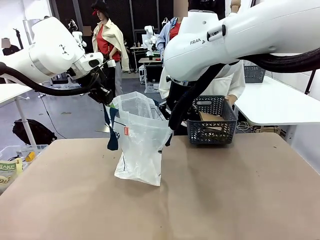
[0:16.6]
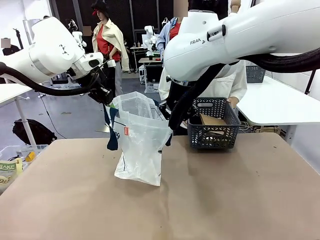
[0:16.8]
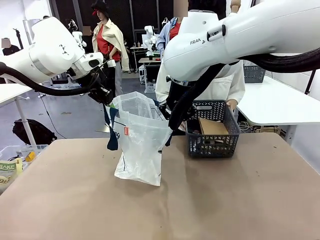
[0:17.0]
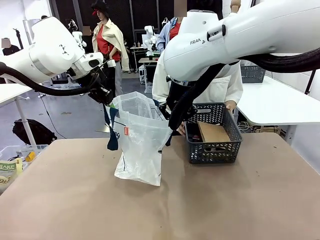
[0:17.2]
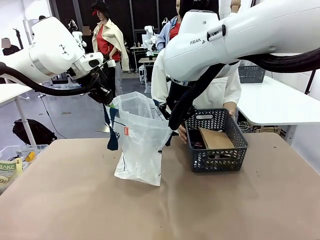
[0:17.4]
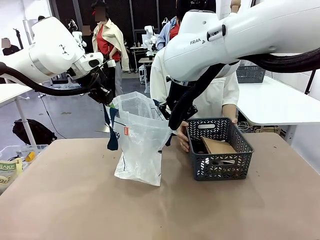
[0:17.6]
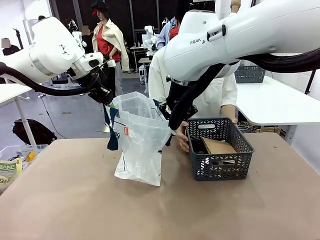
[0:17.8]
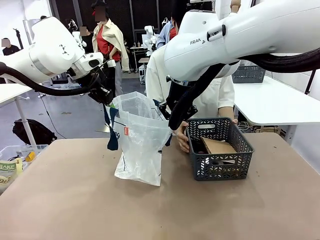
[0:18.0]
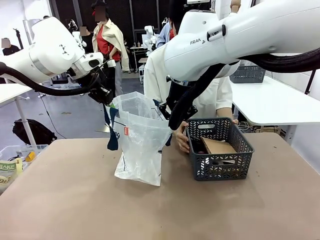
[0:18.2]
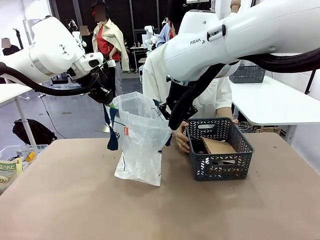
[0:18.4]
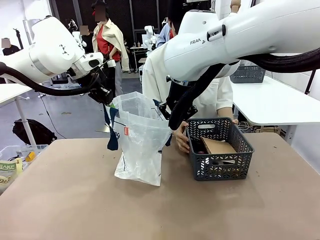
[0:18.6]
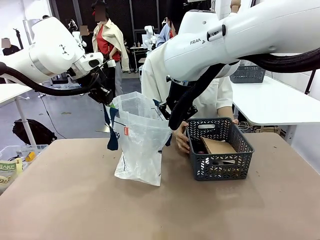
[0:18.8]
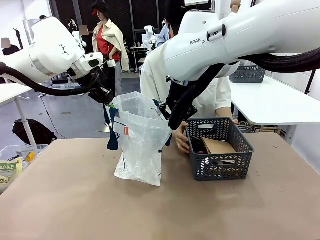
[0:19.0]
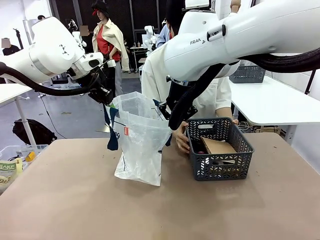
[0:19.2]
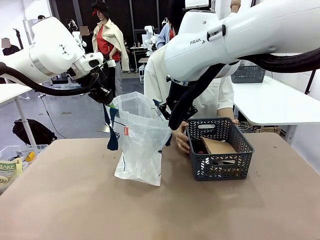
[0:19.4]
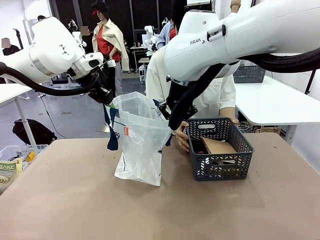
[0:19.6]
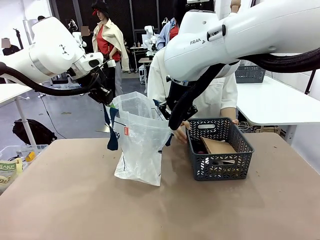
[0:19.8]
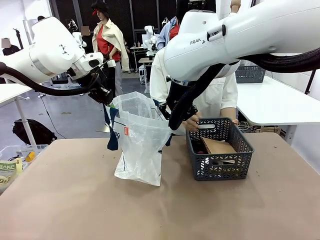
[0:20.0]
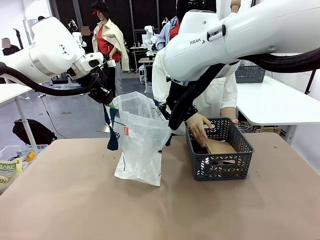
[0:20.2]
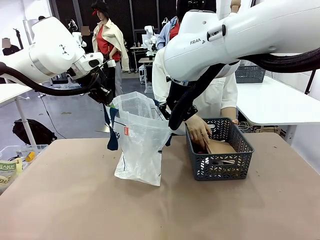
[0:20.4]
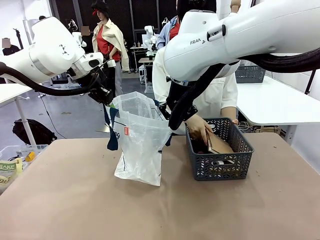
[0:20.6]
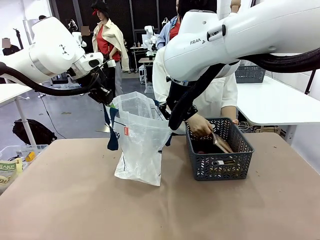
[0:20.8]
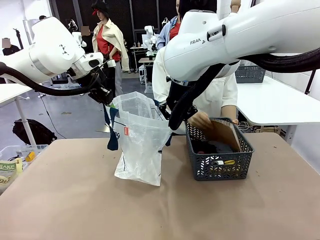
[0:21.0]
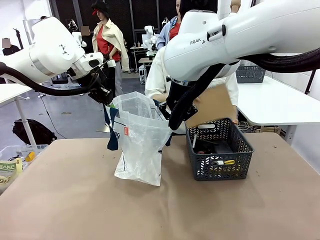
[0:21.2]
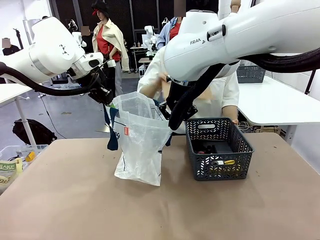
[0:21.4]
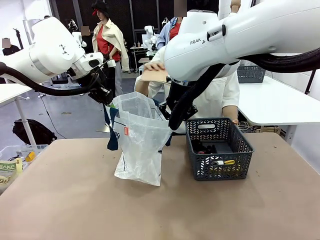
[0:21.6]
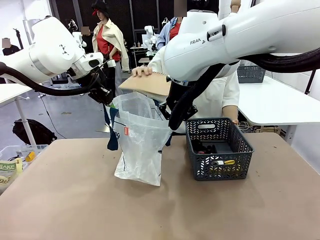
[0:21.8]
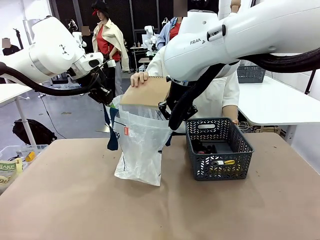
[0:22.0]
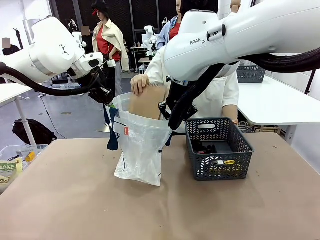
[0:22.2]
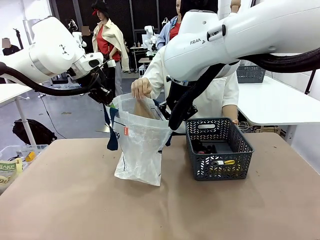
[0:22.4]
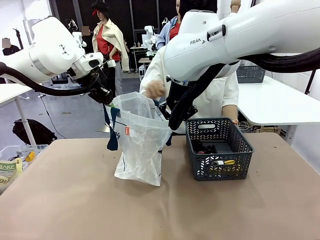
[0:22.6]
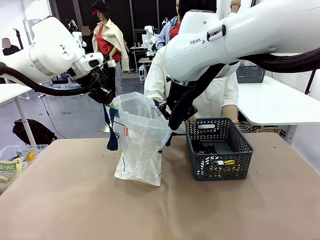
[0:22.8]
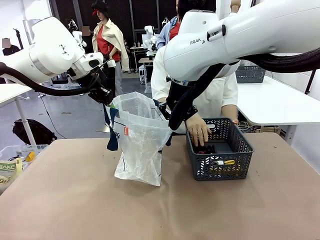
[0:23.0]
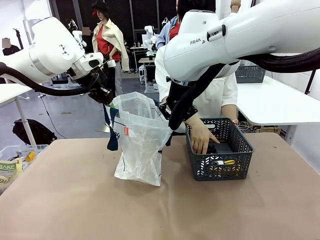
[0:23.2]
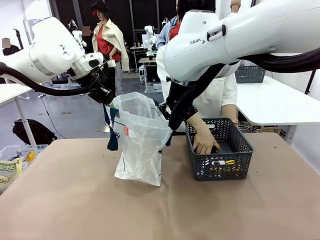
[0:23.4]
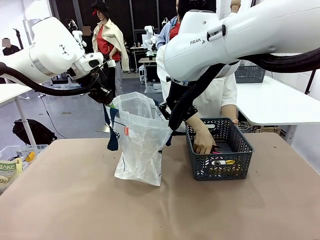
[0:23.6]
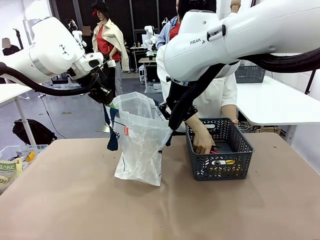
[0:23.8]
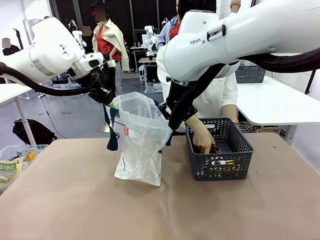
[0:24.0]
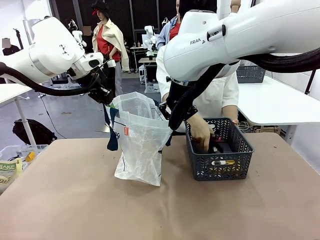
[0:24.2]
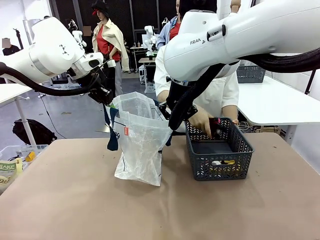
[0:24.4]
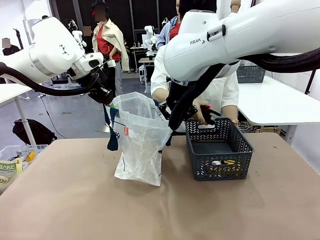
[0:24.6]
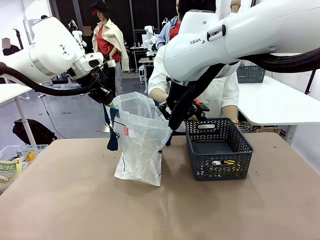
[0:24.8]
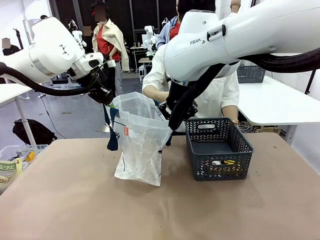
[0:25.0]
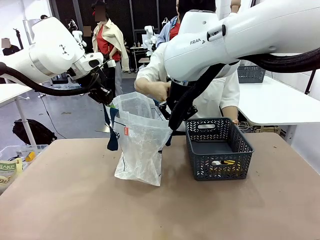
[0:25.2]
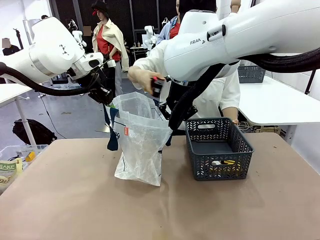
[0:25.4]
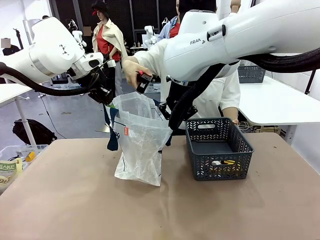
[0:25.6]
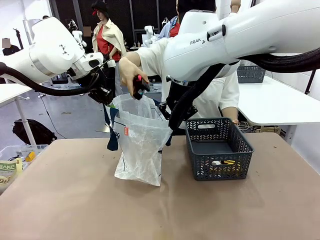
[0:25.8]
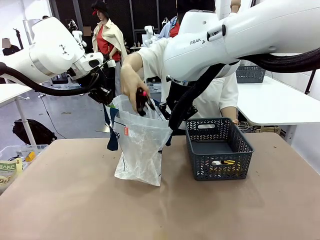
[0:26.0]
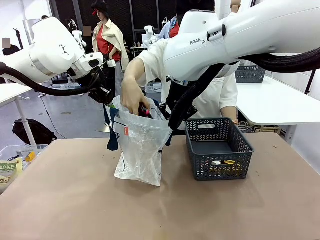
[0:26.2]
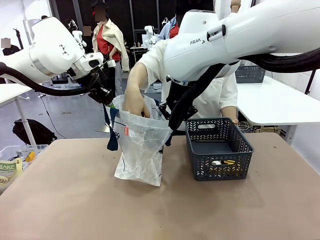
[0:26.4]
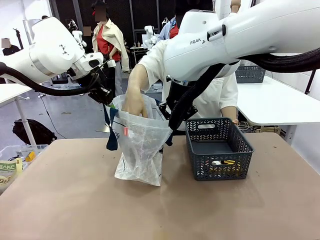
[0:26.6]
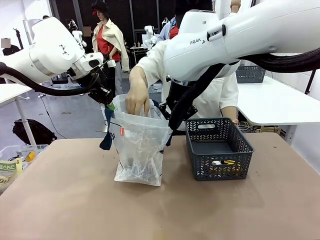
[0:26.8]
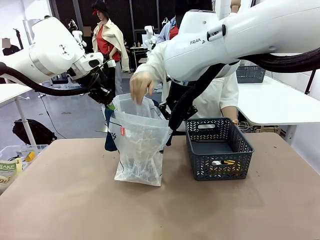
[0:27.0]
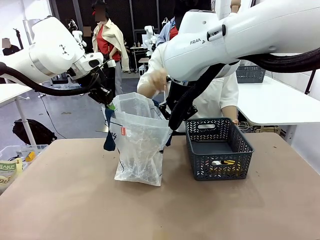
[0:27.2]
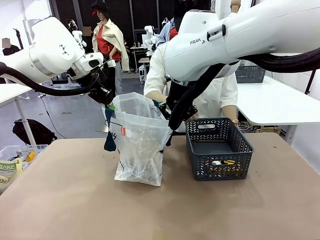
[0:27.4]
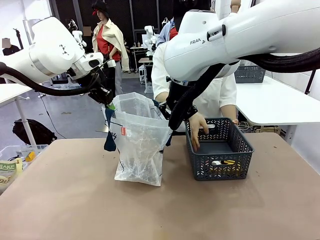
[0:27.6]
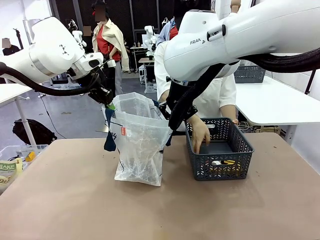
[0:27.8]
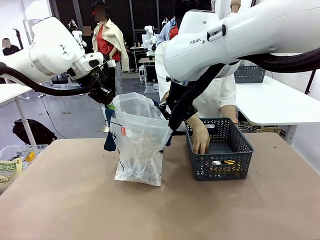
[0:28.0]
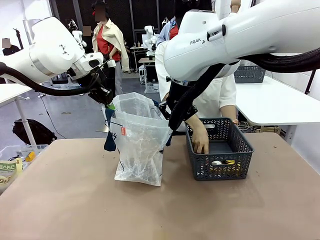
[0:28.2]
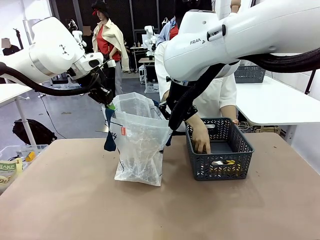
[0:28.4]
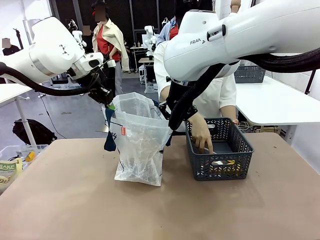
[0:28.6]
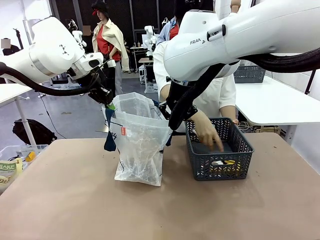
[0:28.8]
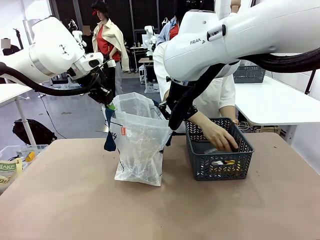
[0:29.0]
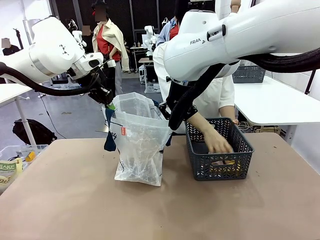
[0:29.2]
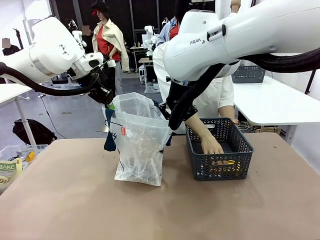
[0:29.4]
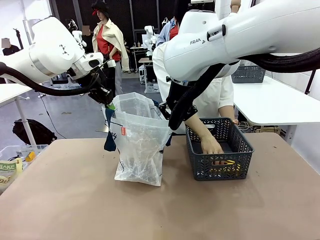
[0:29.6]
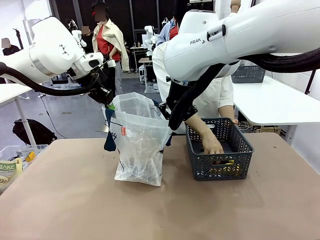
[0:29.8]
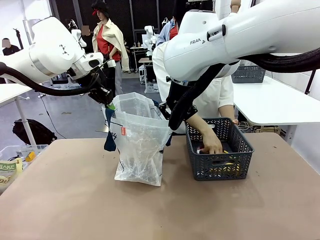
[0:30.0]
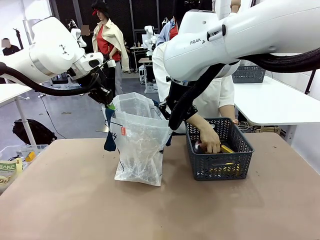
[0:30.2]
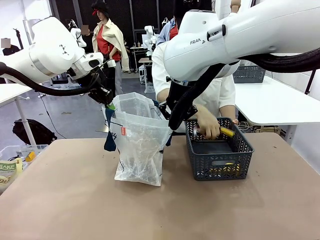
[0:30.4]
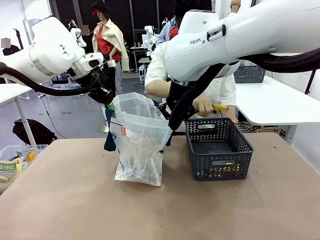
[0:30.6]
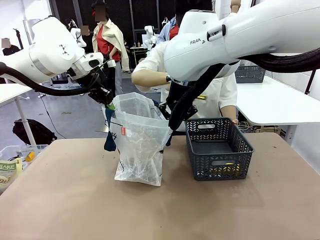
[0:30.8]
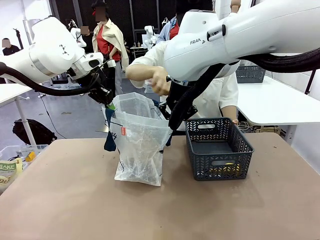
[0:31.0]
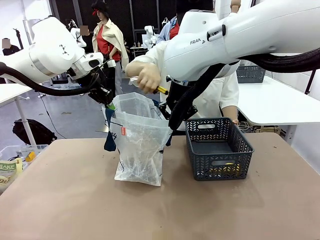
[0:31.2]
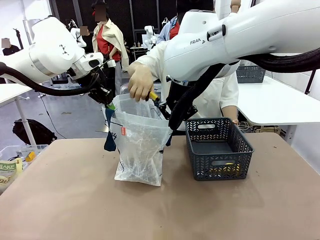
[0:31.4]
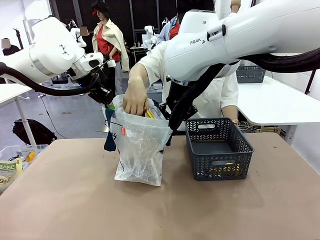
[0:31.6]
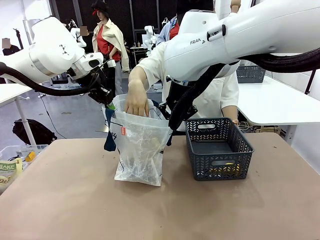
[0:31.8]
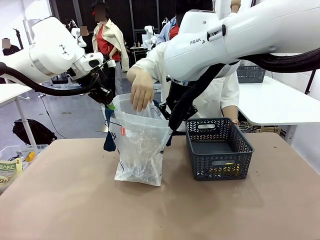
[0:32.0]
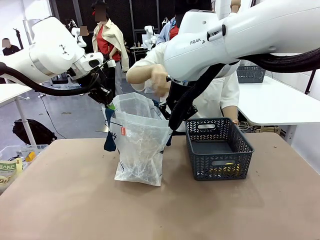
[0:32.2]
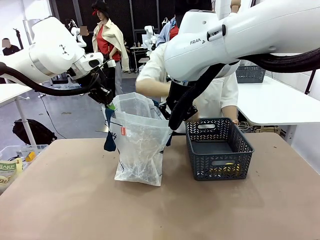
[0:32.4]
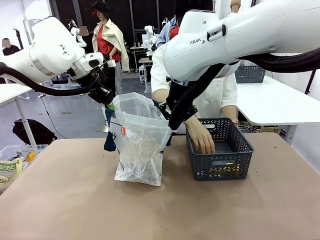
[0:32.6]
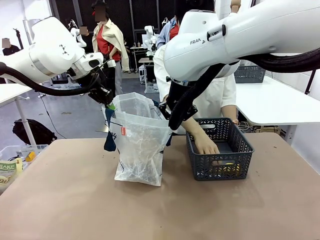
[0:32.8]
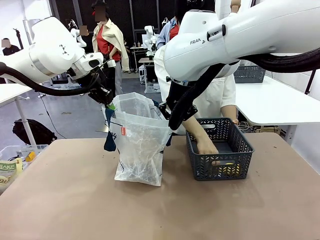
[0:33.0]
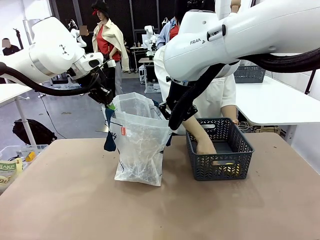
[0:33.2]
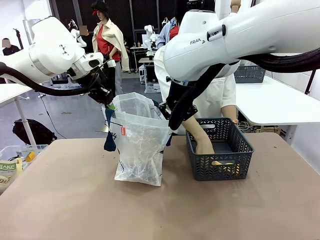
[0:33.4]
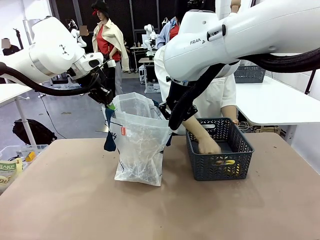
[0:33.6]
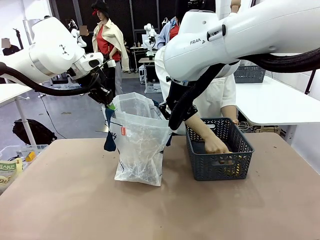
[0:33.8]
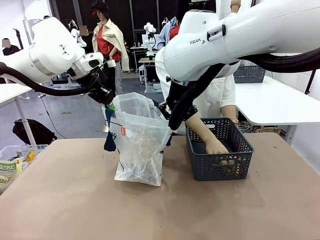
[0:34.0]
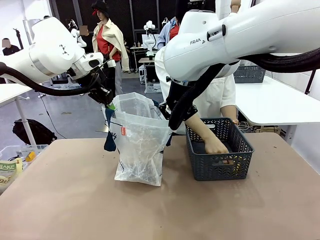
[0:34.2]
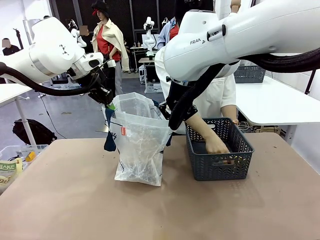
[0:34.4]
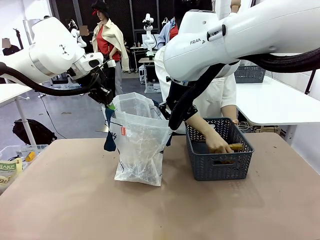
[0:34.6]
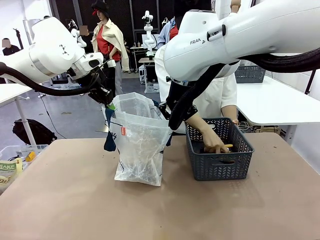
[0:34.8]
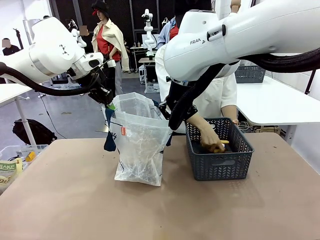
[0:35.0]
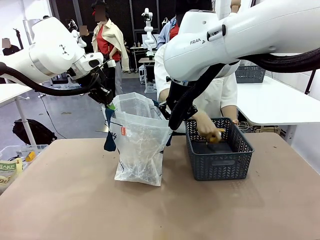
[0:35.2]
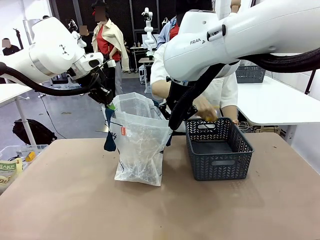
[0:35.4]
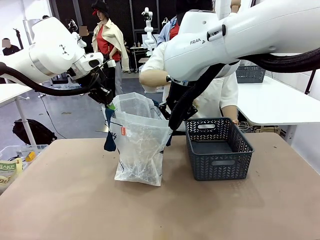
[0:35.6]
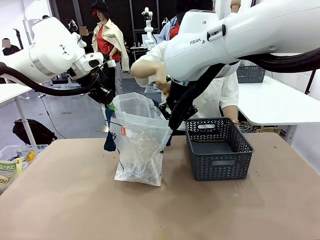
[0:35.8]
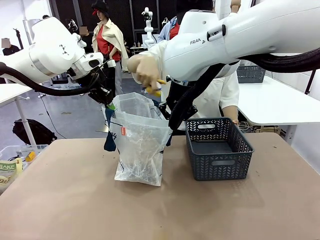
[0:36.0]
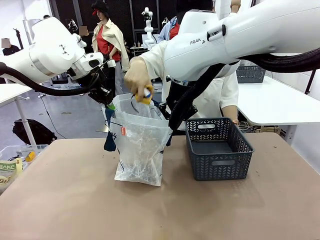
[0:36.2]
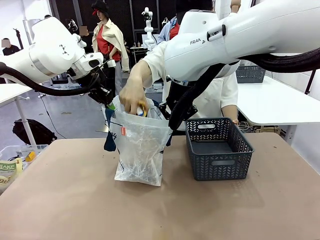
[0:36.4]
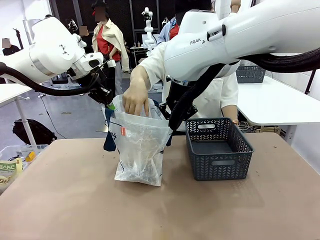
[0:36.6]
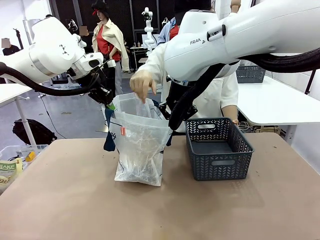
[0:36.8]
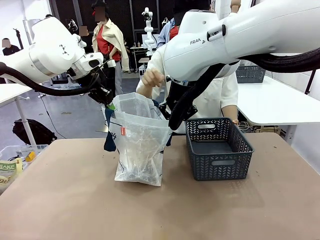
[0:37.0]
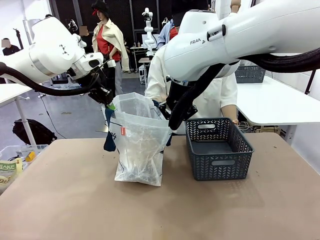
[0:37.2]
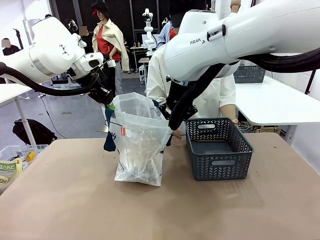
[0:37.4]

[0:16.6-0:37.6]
Task: Transfer purchased items from the store into the shopping bag.
Robot: Move the Reusable shopping bag to the right side of the table.
Person: Pick up the basket on the right, place it on the left side of the robot table, and move the items in the basket to the shopping bag.
